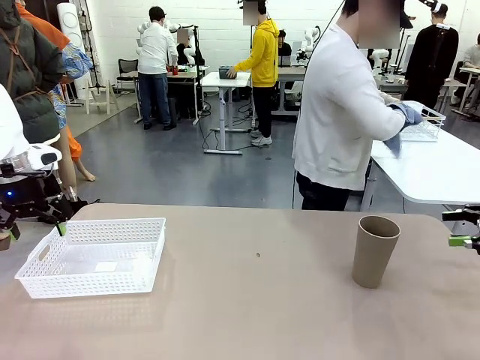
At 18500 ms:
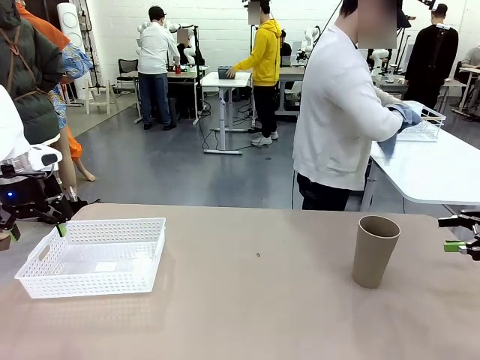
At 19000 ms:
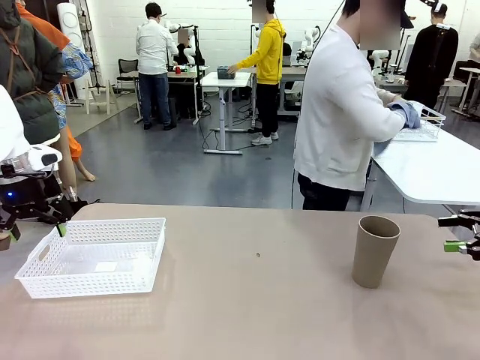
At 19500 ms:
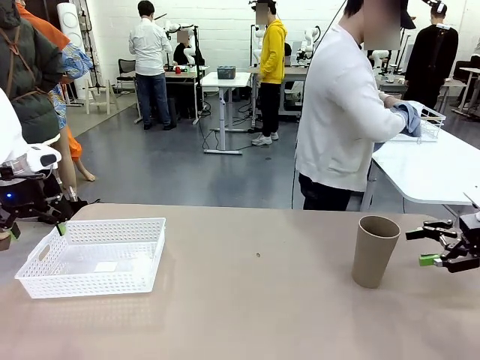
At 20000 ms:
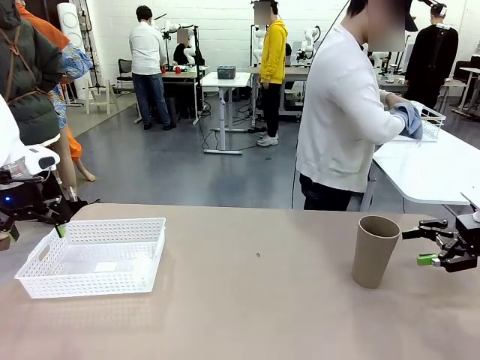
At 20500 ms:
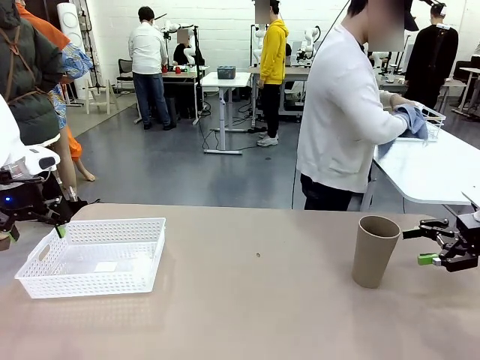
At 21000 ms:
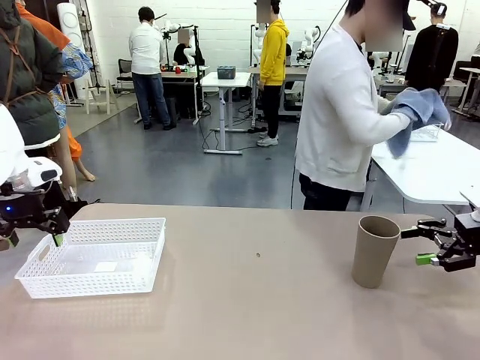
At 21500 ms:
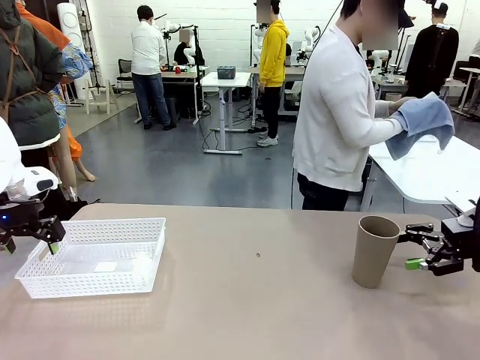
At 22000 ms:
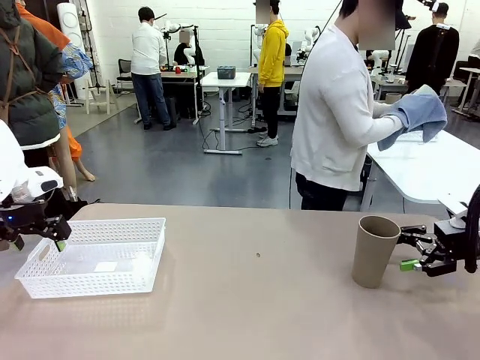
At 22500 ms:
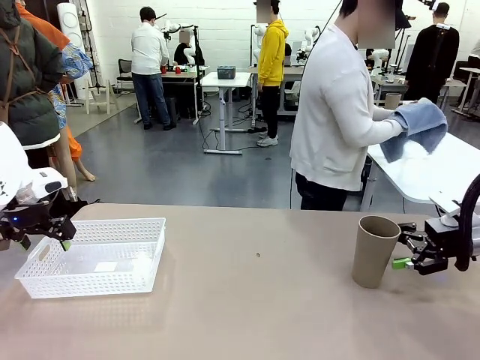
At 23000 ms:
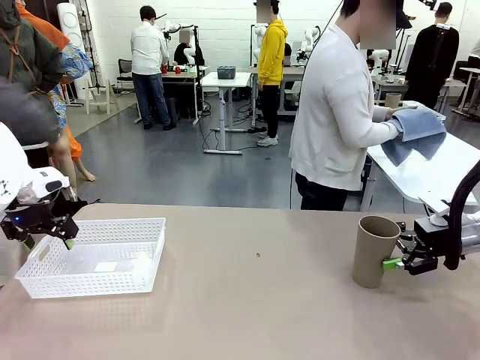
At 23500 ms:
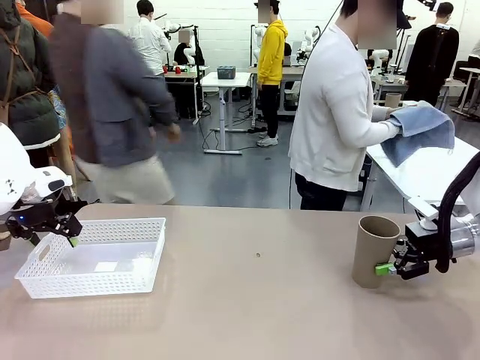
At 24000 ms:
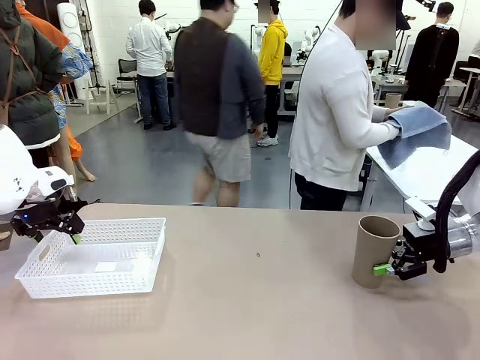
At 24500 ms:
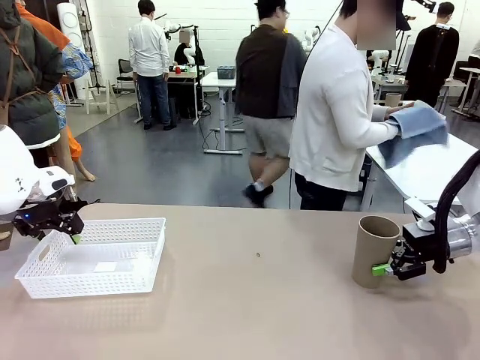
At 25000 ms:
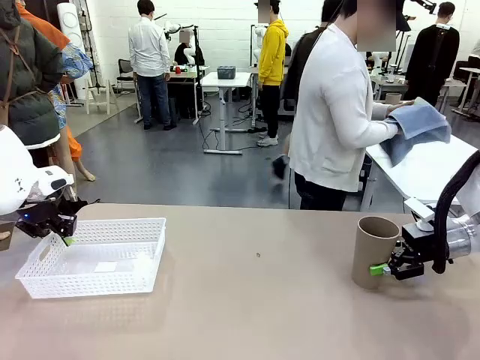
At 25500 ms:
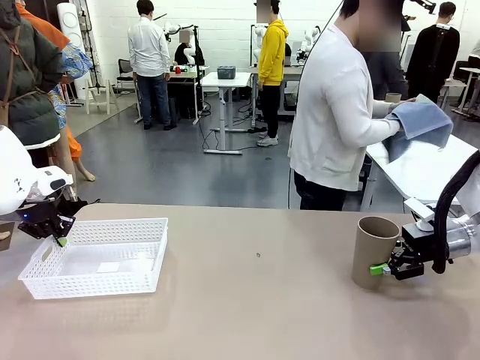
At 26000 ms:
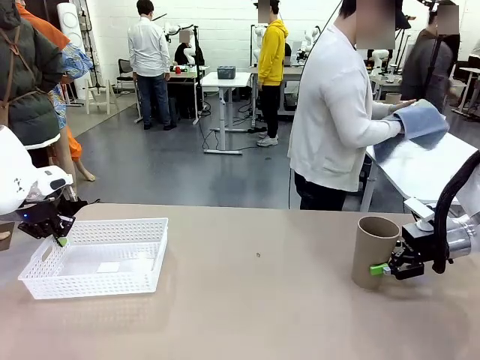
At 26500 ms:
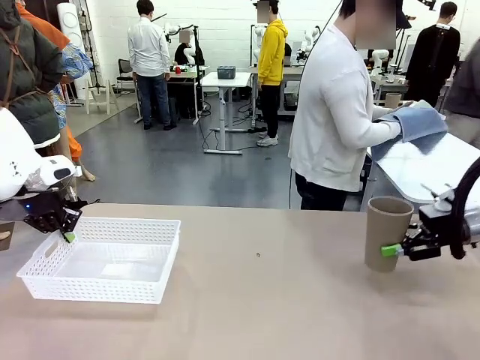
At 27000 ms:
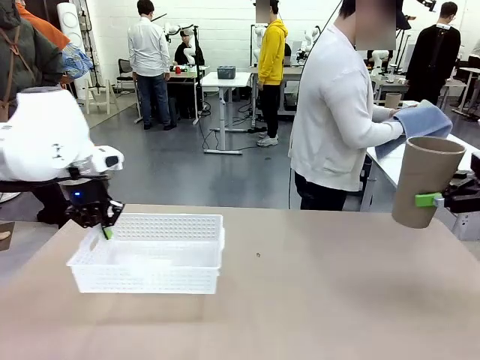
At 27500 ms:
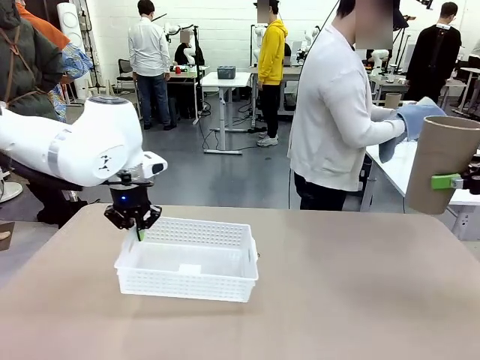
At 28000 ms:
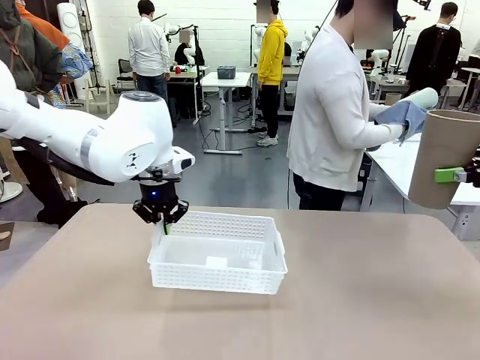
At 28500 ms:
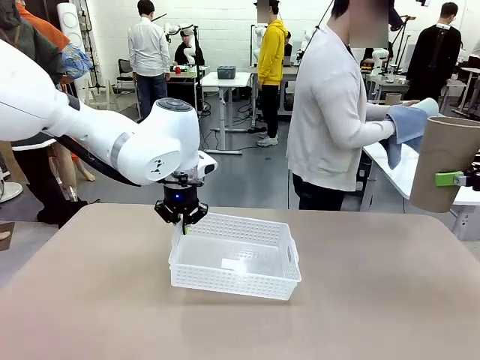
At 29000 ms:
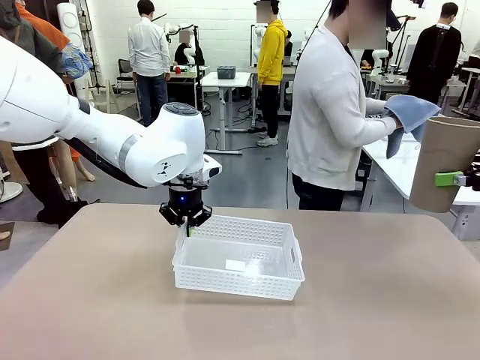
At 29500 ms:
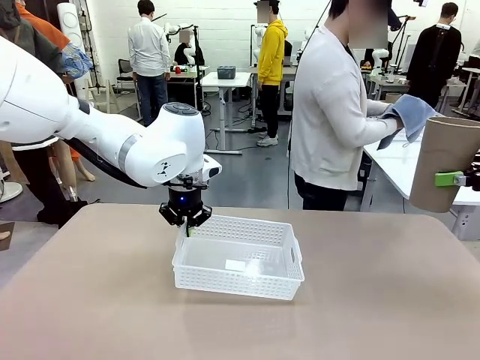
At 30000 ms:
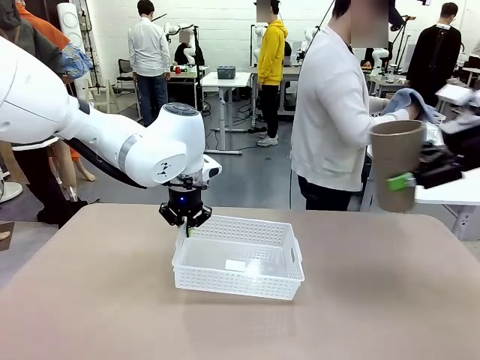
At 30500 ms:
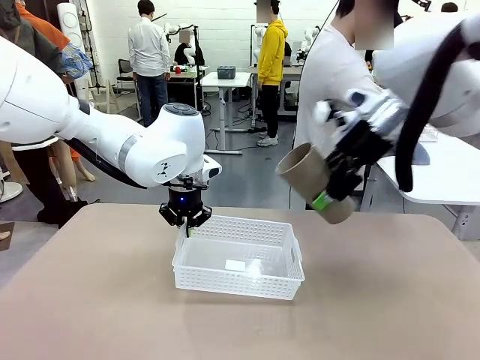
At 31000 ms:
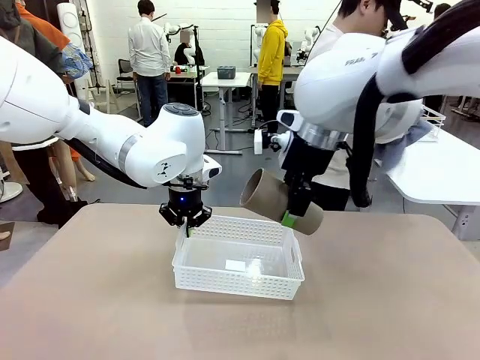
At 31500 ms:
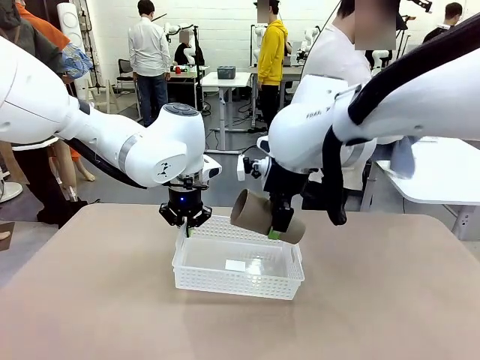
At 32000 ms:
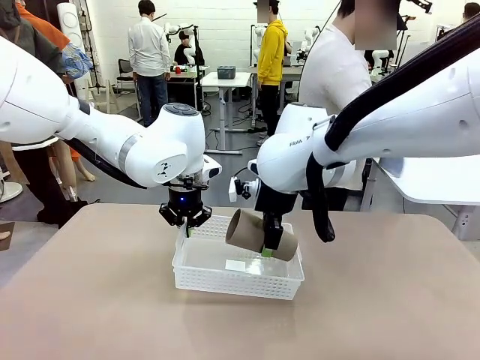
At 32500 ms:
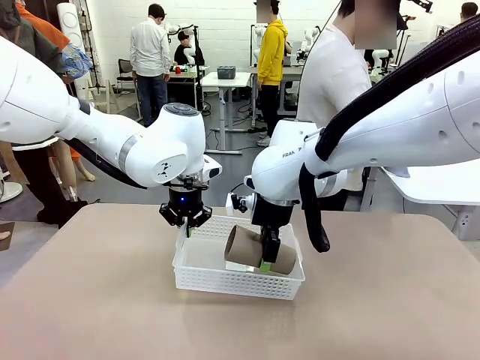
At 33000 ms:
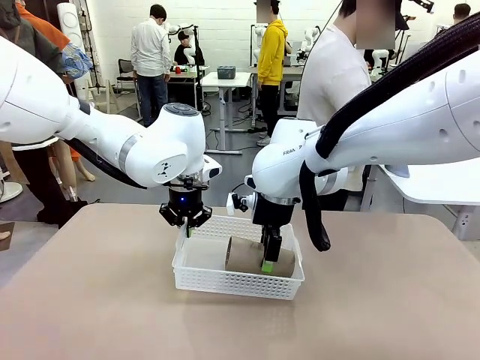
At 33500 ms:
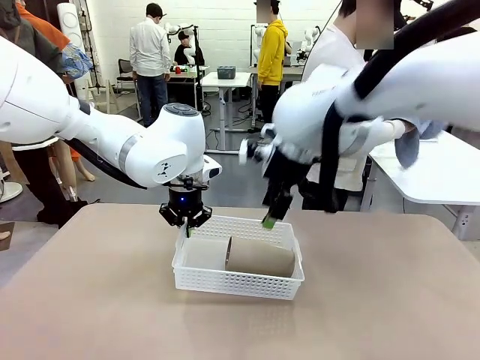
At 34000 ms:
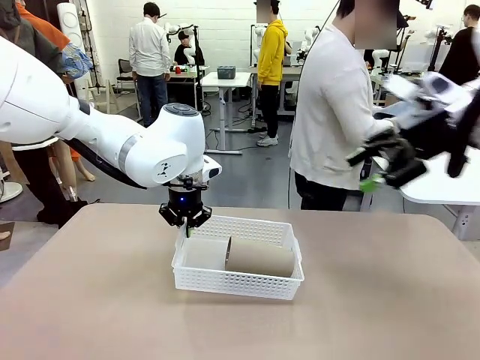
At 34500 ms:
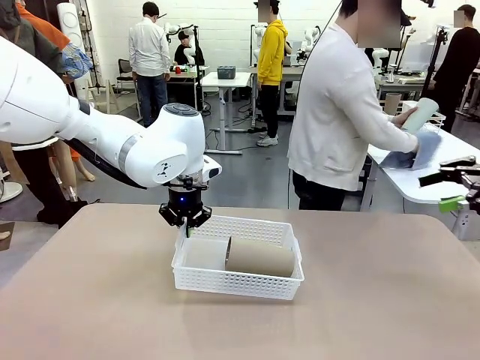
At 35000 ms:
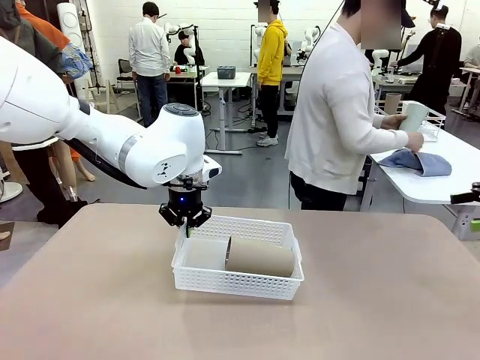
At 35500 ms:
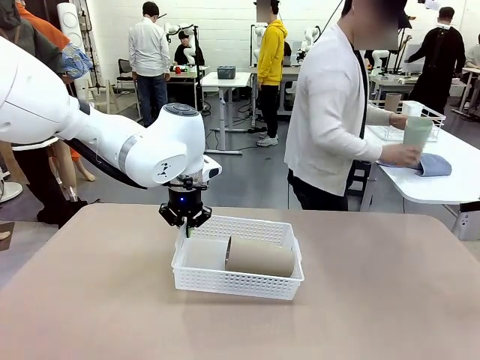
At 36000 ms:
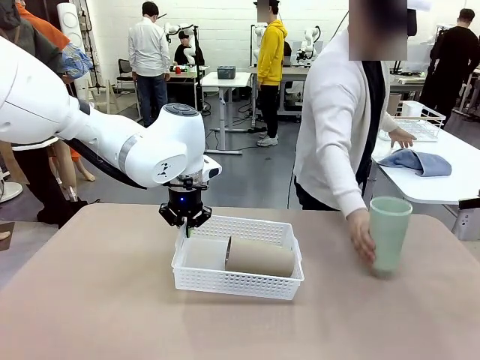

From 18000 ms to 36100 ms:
Task: Clean and organize the cups into the basket.
Robot: Pick up the Organizing basket and move it to the center of the table, then pick up the Reusable plastic cup from the right side of the table and place it inside the Organizing basket.
